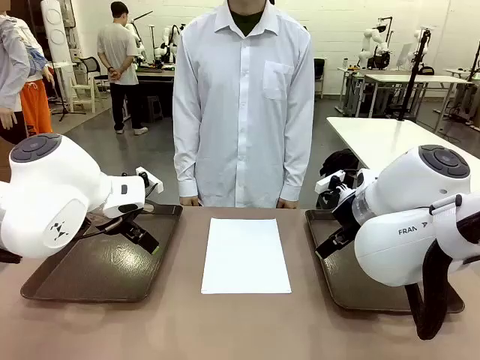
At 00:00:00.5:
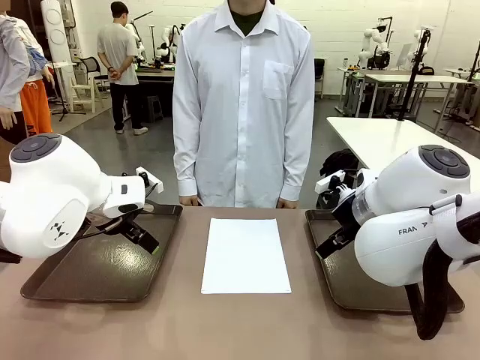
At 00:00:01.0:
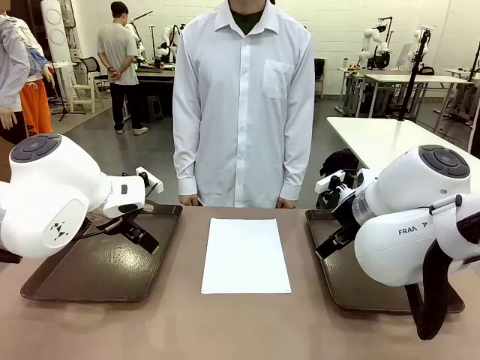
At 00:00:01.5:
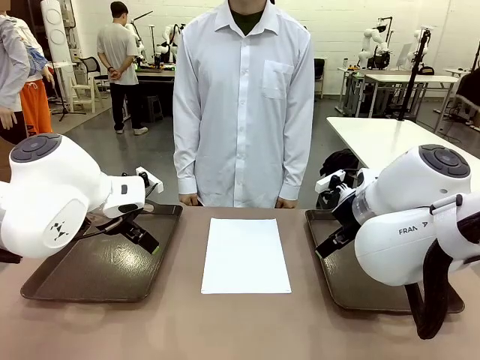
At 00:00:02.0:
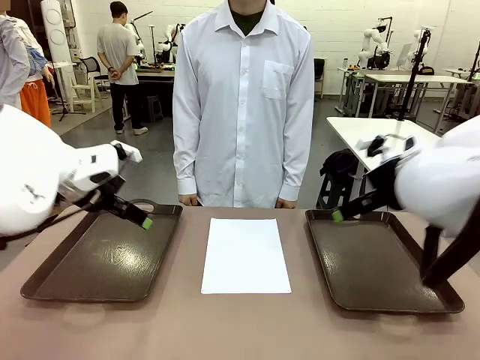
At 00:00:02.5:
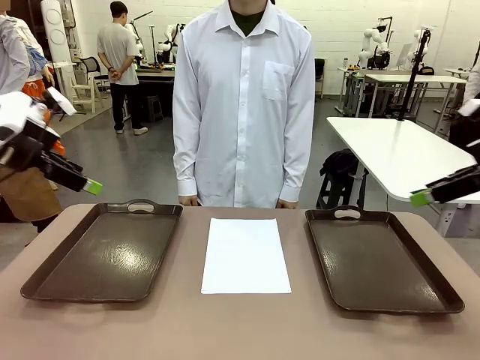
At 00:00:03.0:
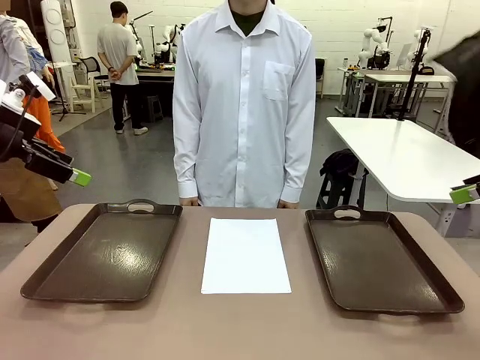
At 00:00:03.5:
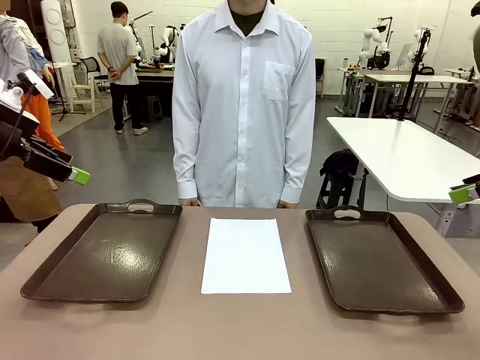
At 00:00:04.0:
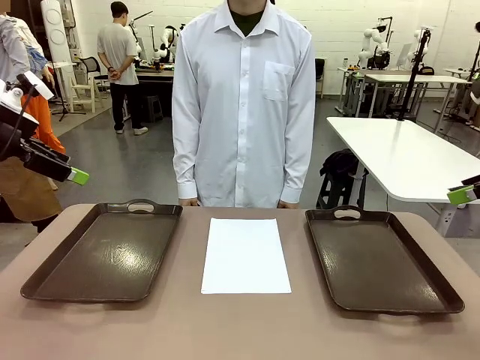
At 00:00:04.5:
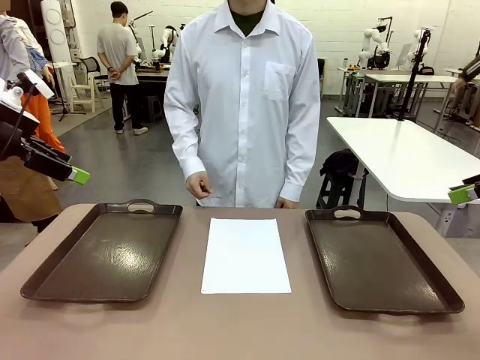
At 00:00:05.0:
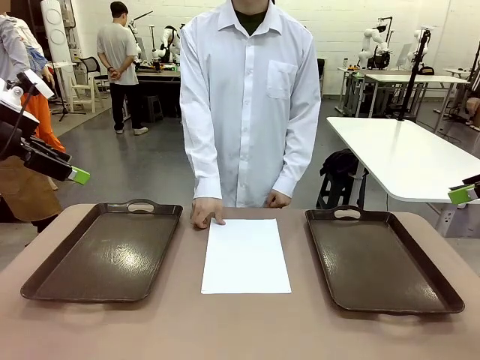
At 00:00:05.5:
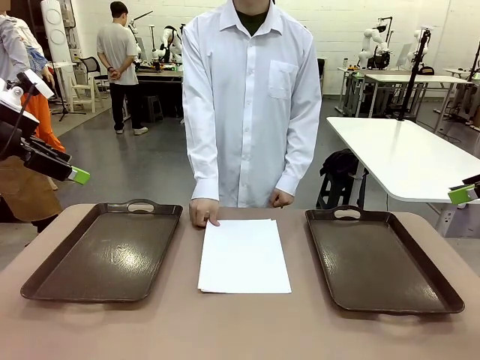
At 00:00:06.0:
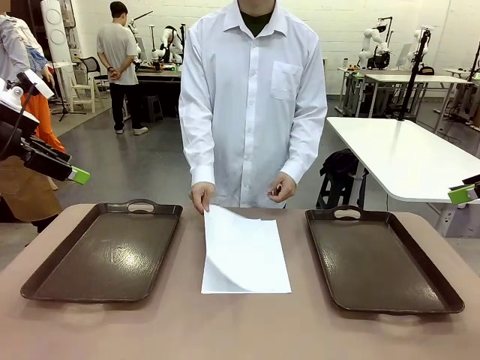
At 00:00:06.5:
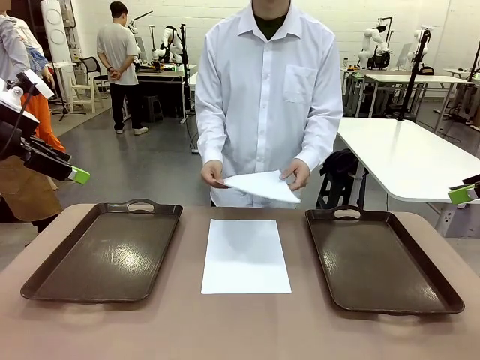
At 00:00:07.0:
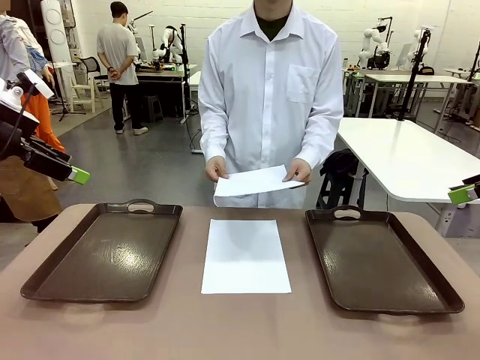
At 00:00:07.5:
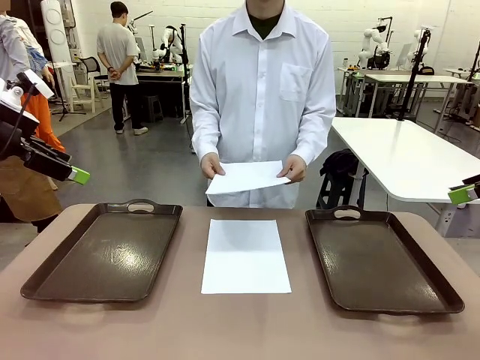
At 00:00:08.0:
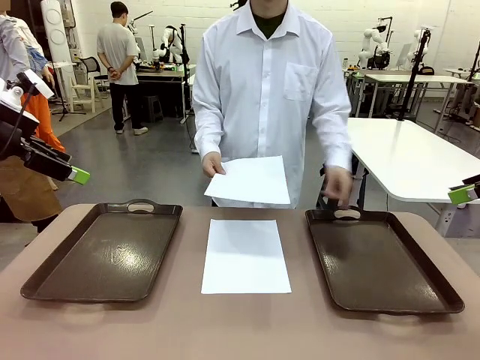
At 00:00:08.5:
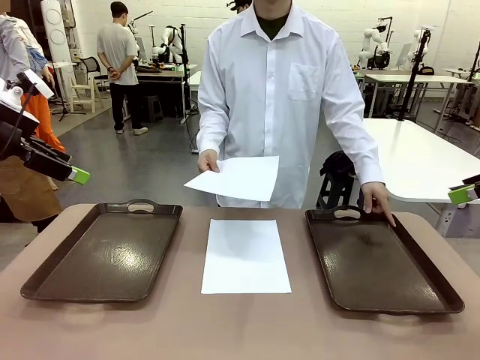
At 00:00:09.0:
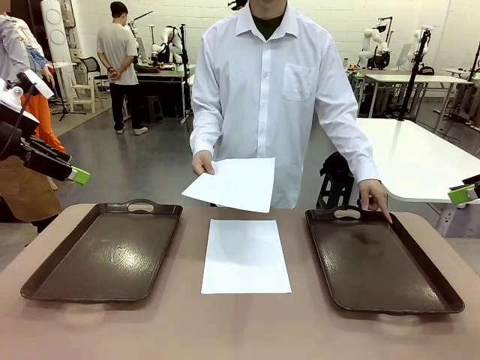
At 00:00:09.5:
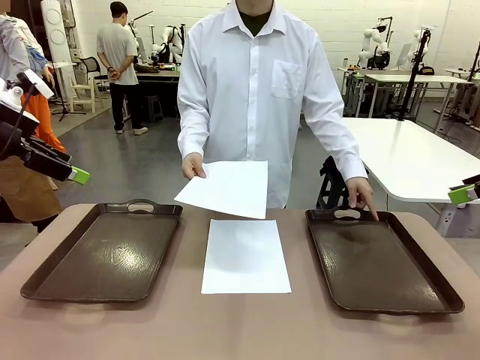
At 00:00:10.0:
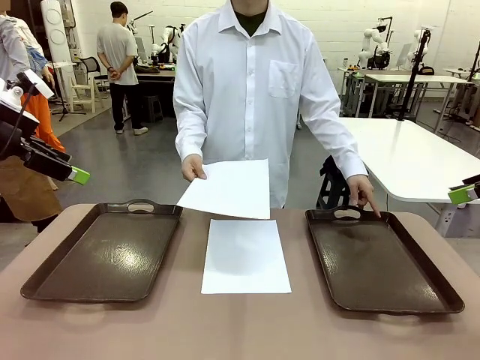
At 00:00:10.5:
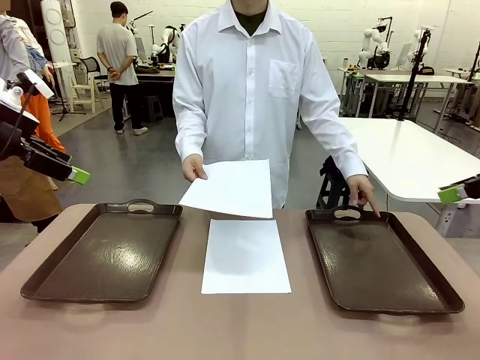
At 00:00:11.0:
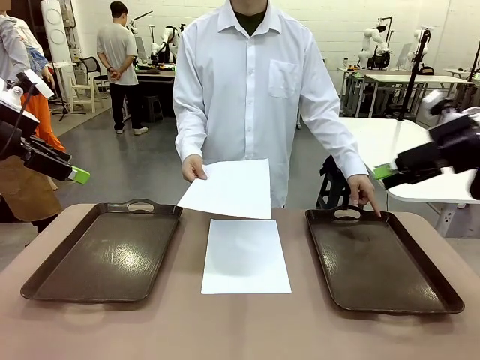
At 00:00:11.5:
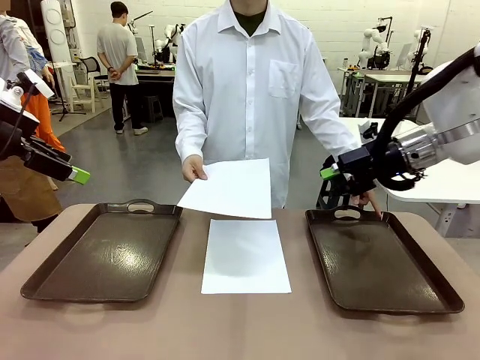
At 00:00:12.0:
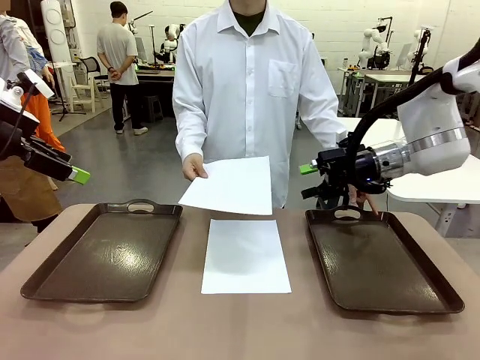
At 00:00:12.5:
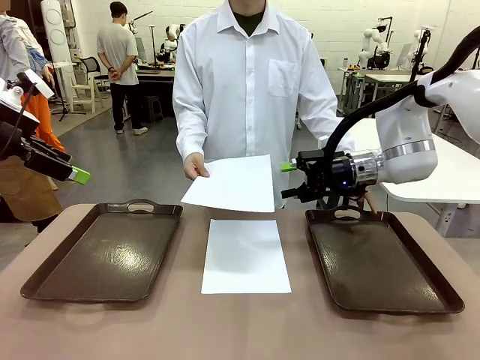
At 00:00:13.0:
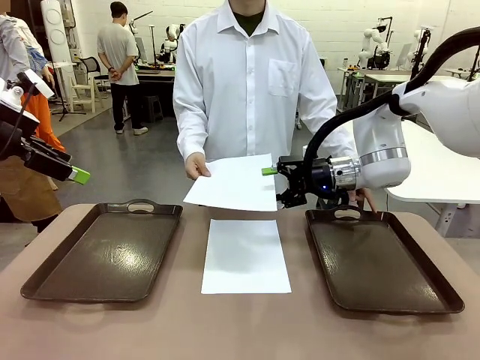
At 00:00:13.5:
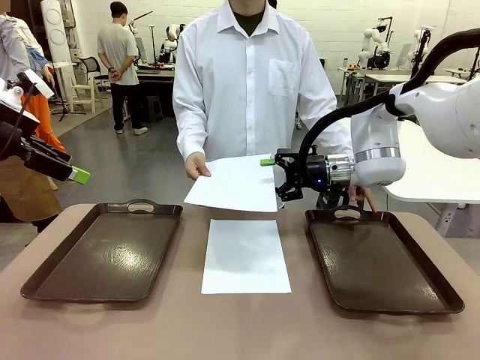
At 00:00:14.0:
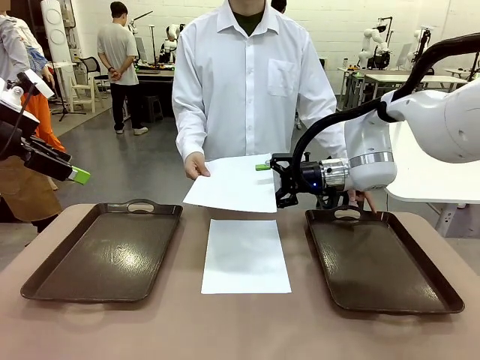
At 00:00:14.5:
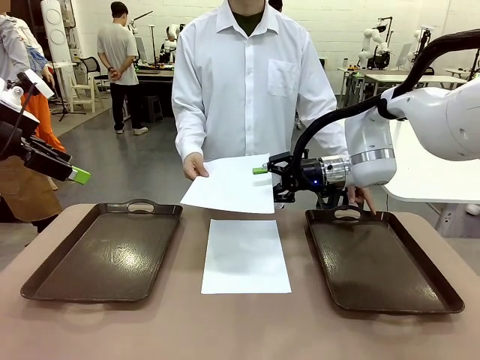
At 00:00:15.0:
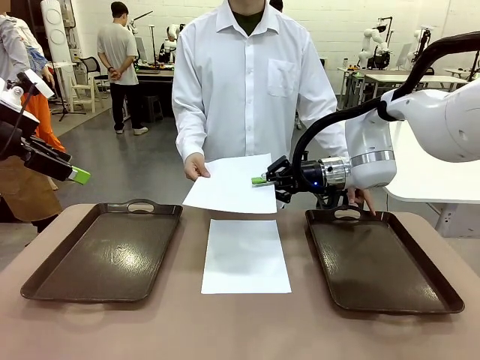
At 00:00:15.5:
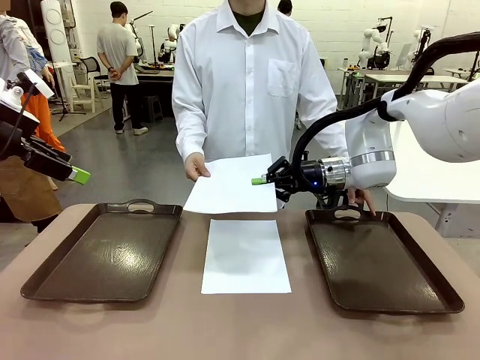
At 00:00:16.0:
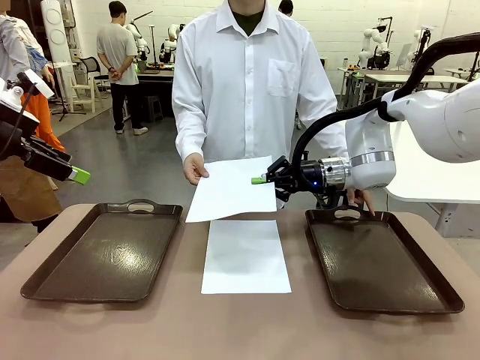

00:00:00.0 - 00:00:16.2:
Task: Sort the A4 documents.
Robot: Receive the A4 Paper.
Person: Pick up a sheet of paper from the center of the table and hand it to the robot. Point the randomly selected tray with the other hand.

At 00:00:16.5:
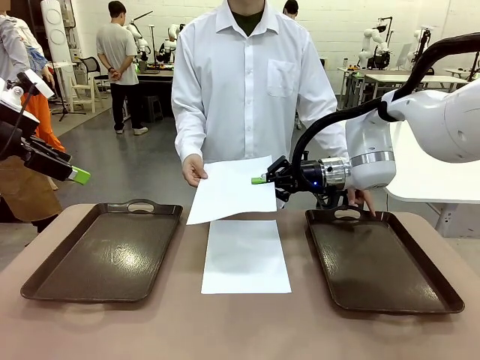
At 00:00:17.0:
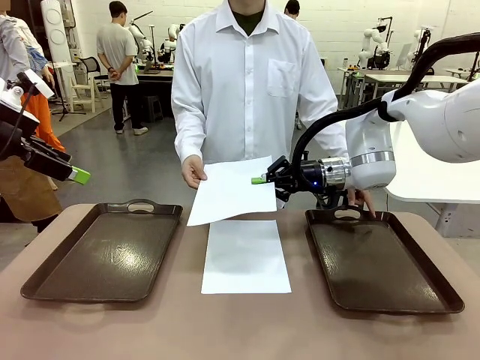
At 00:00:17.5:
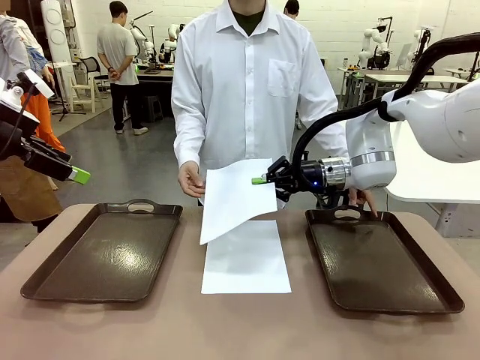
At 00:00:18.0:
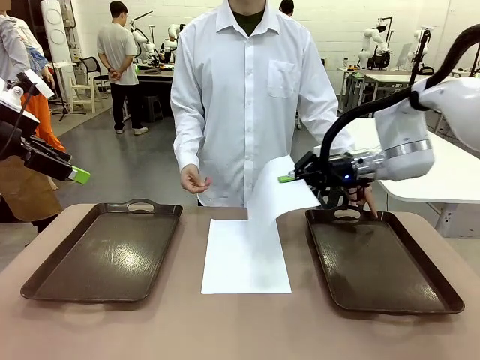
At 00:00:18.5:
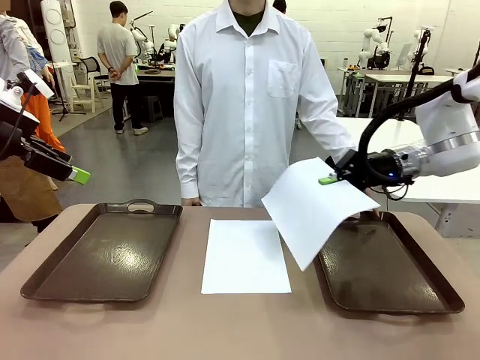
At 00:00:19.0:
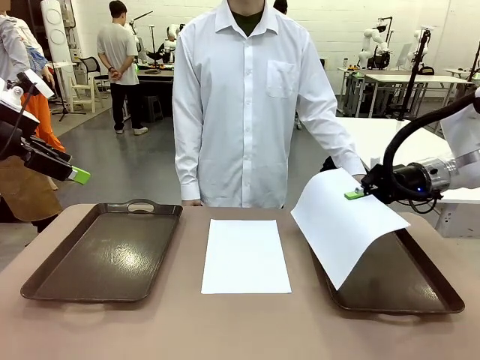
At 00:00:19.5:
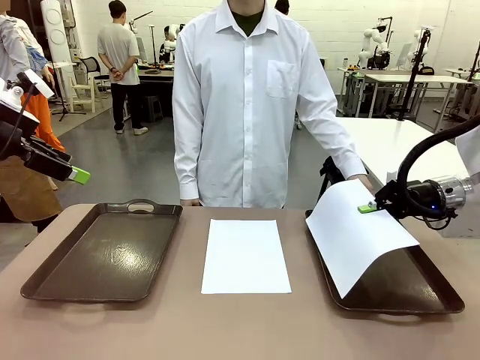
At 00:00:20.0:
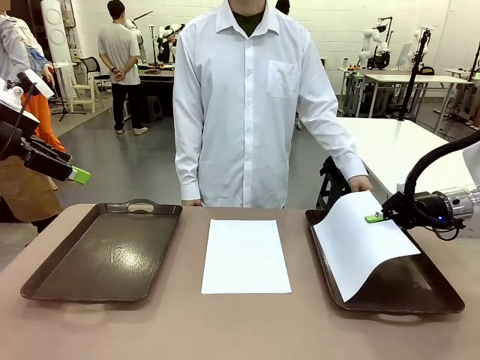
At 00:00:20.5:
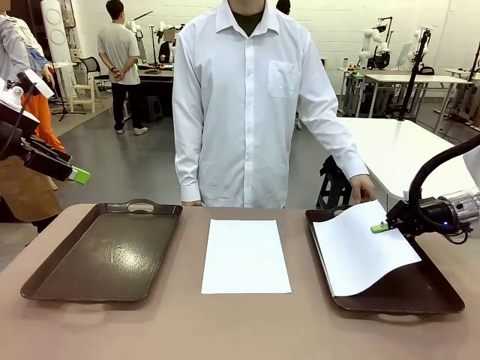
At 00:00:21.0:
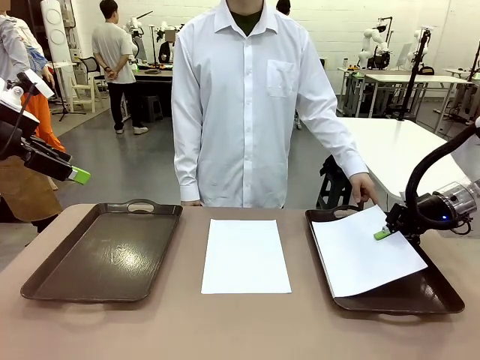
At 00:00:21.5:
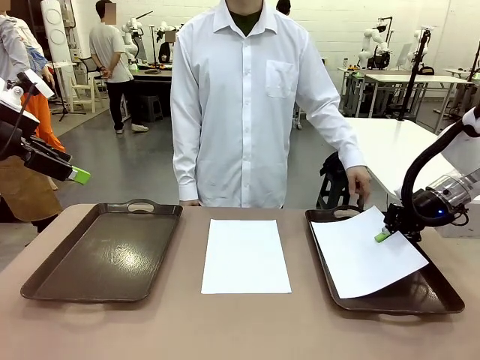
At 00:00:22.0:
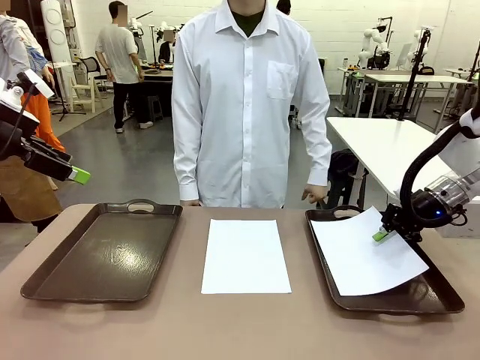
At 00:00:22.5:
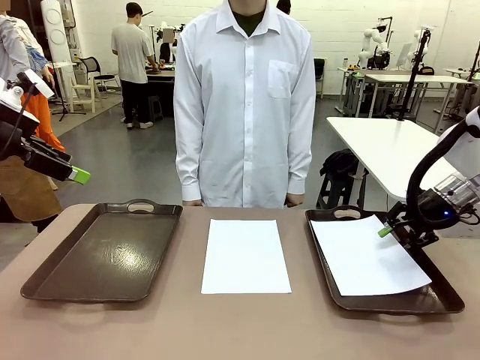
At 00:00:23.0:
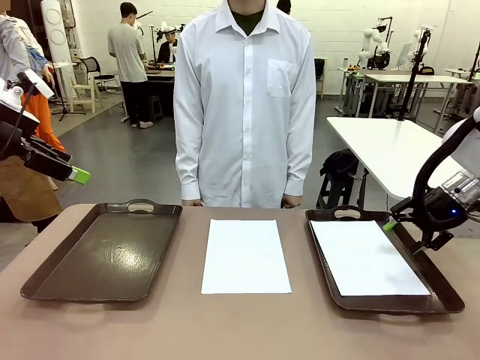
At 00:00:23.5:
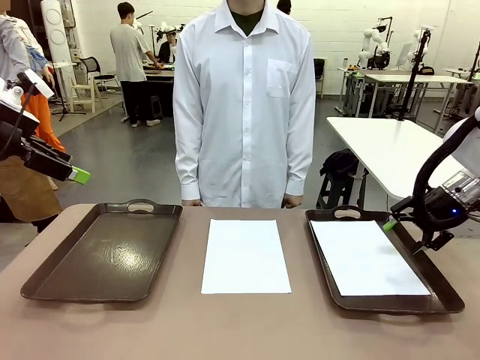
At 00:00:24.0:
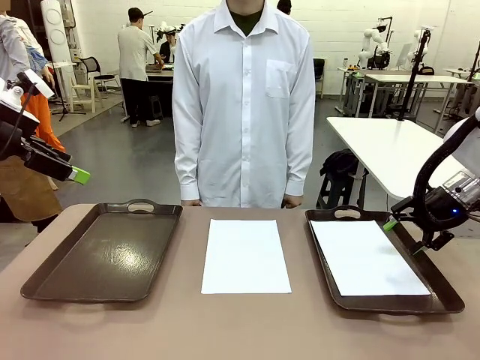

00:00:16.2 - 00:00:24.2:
Robot: Place the A4 Paper in the designated Handle tray.
